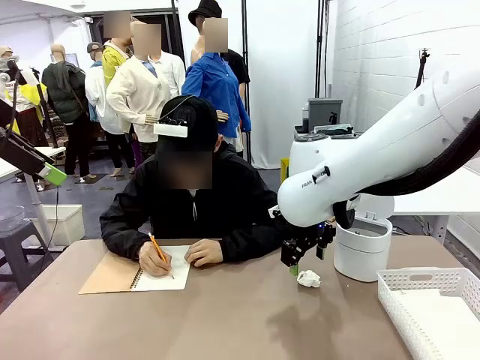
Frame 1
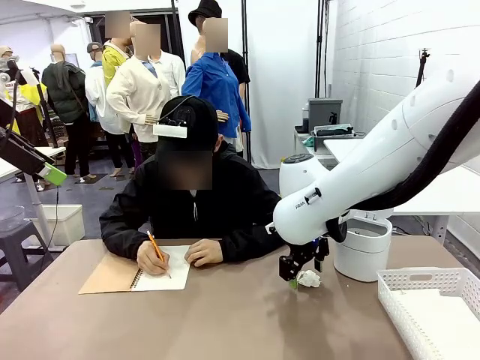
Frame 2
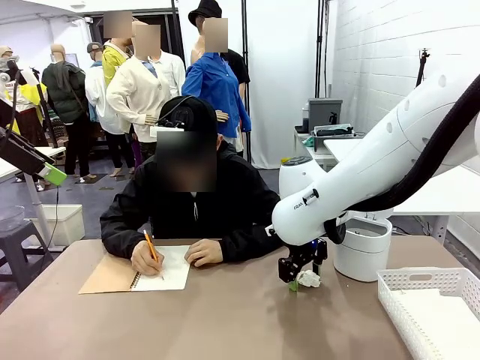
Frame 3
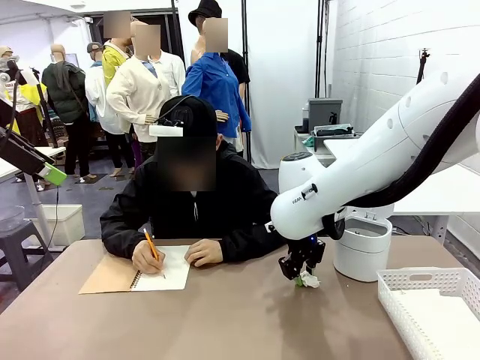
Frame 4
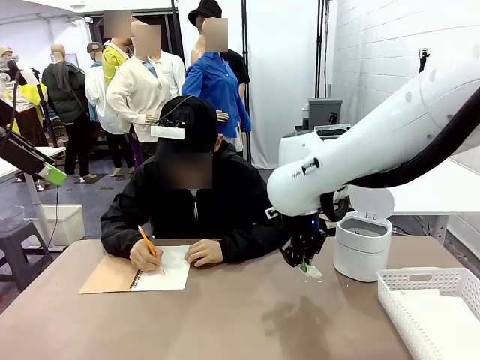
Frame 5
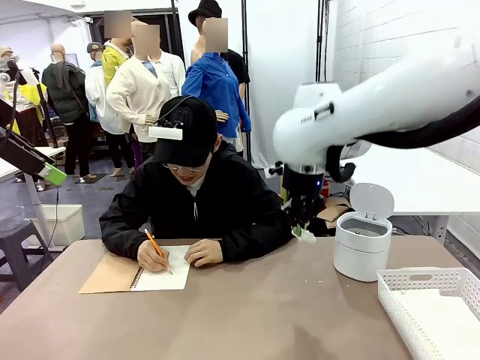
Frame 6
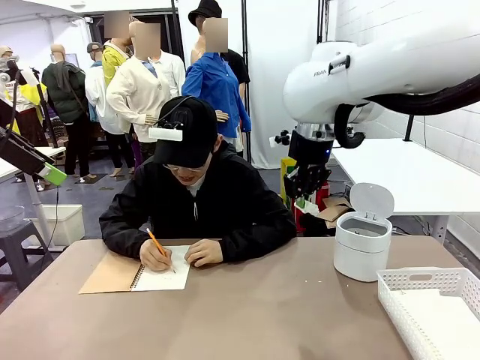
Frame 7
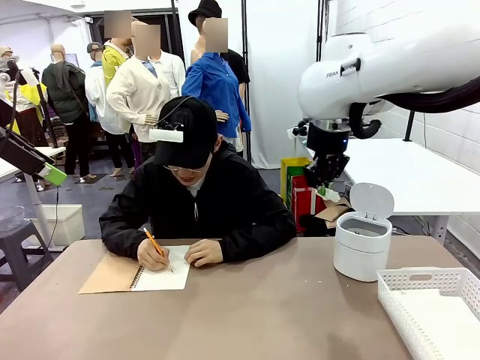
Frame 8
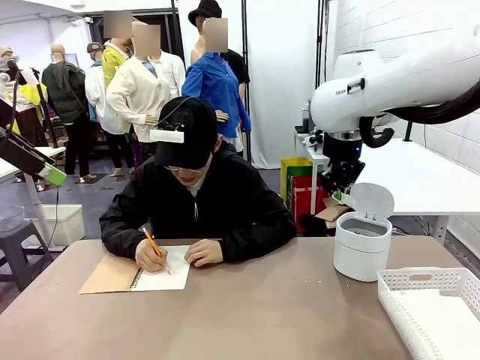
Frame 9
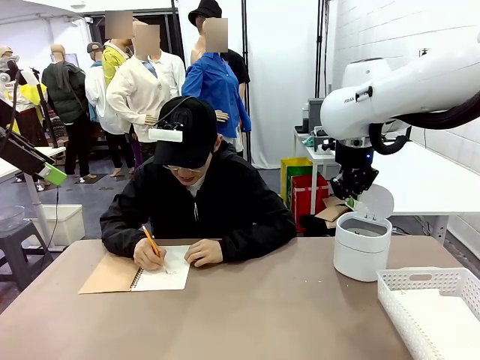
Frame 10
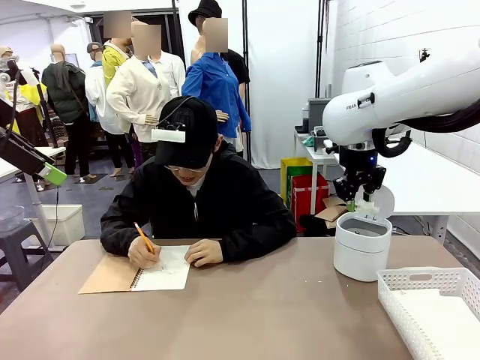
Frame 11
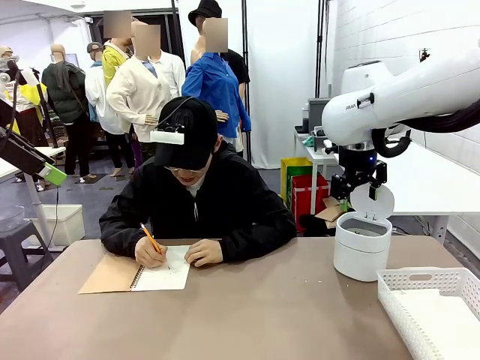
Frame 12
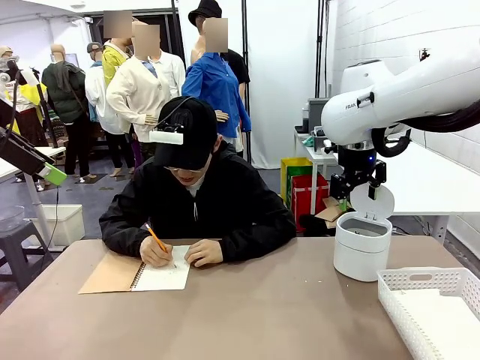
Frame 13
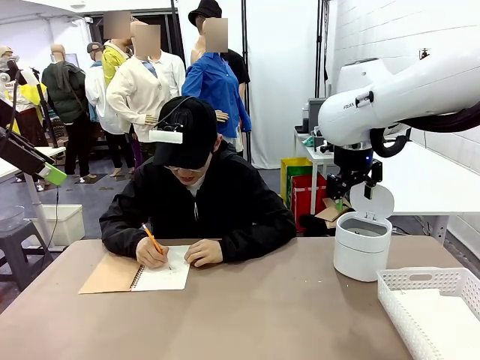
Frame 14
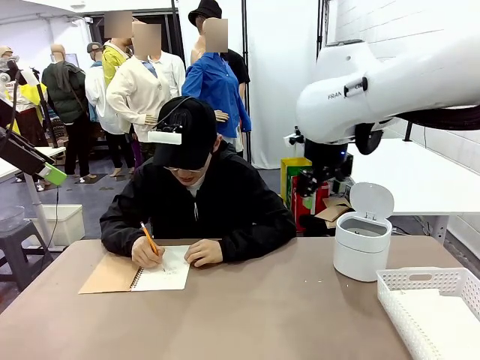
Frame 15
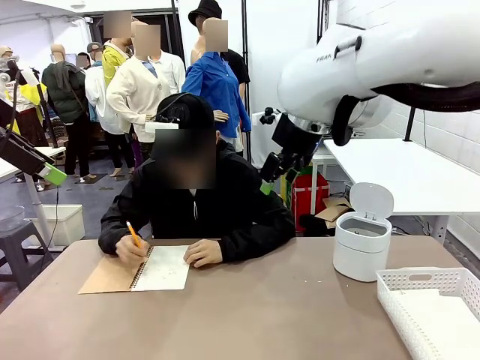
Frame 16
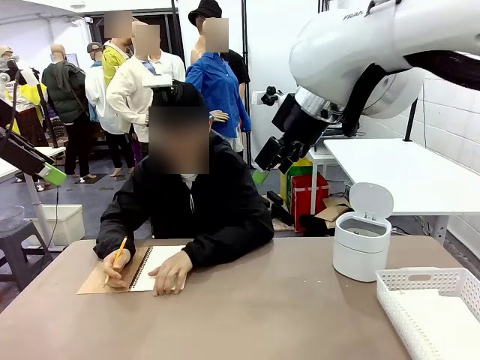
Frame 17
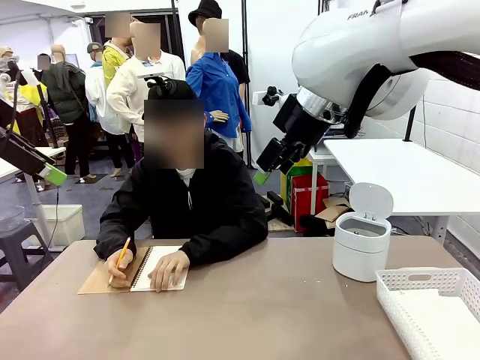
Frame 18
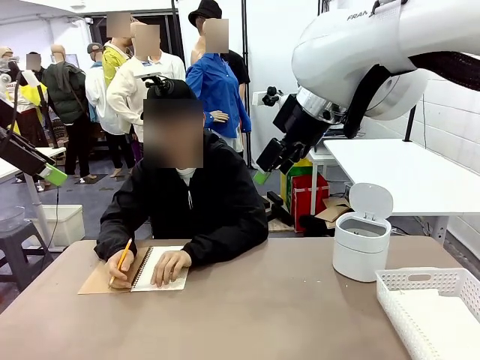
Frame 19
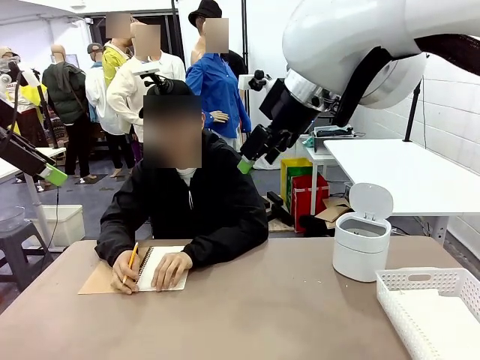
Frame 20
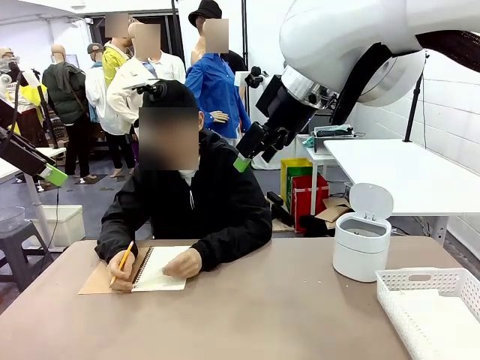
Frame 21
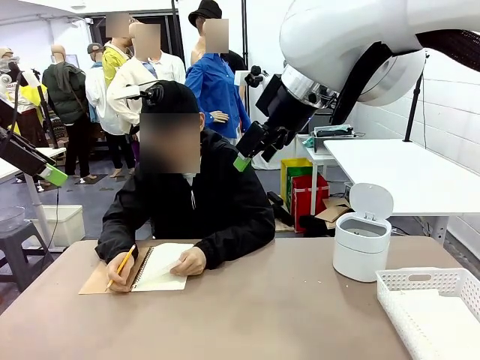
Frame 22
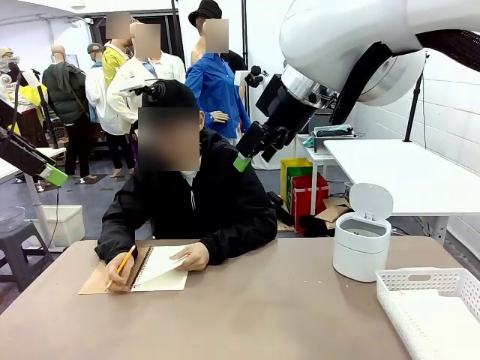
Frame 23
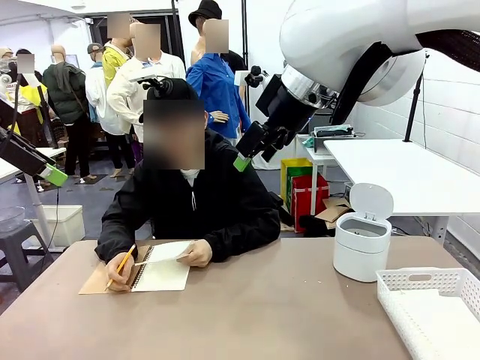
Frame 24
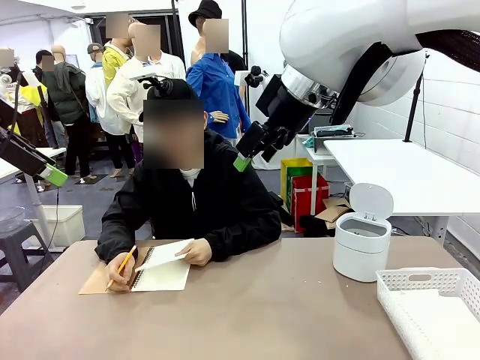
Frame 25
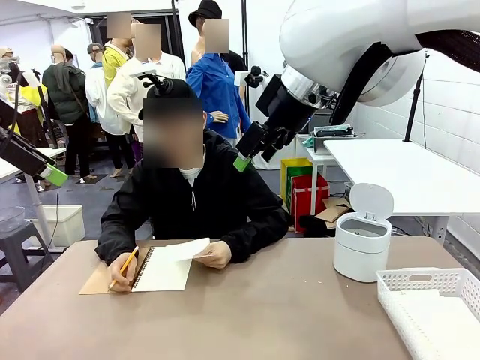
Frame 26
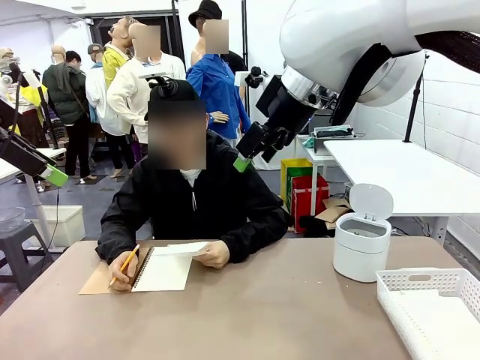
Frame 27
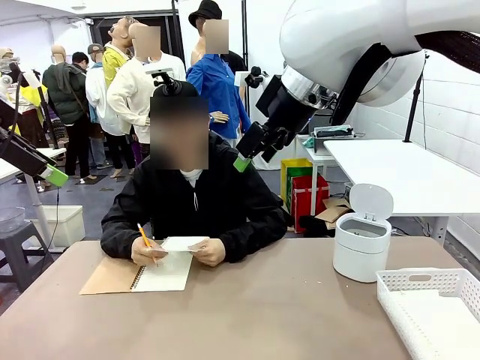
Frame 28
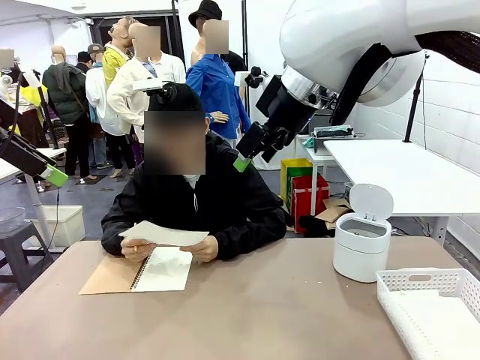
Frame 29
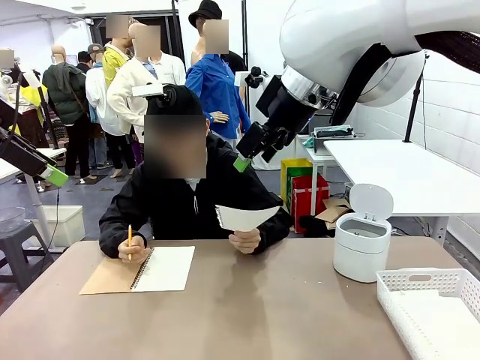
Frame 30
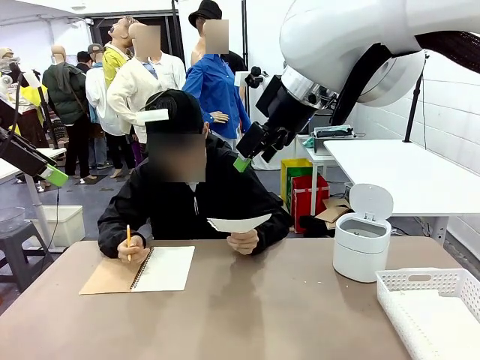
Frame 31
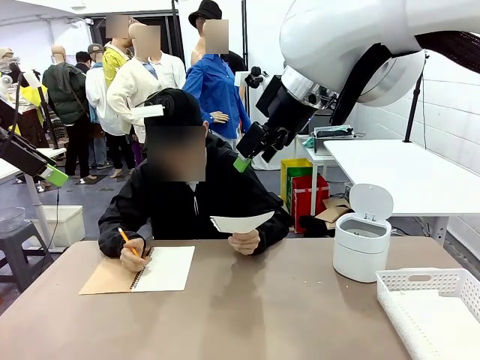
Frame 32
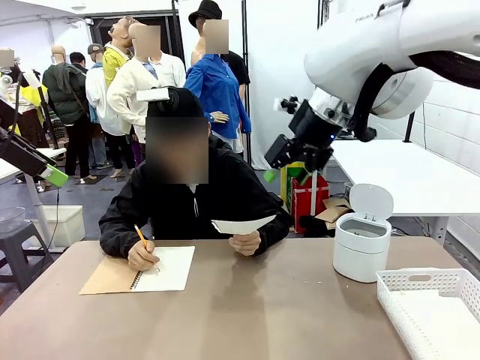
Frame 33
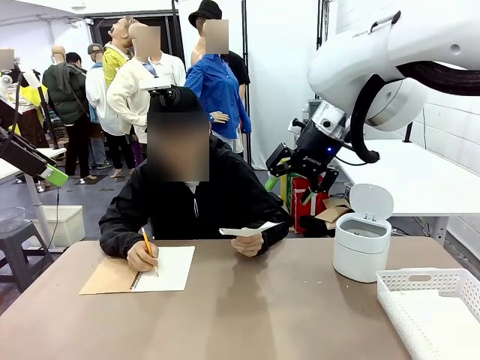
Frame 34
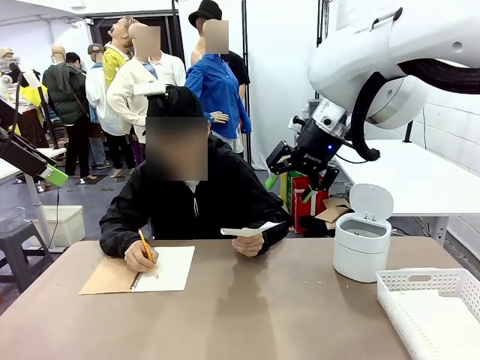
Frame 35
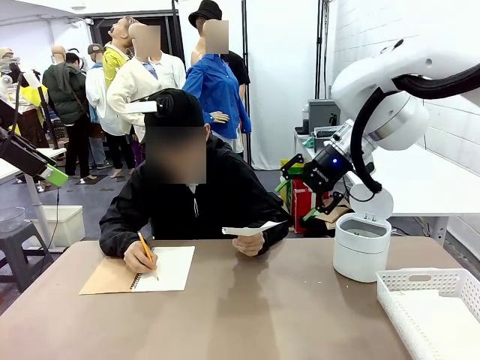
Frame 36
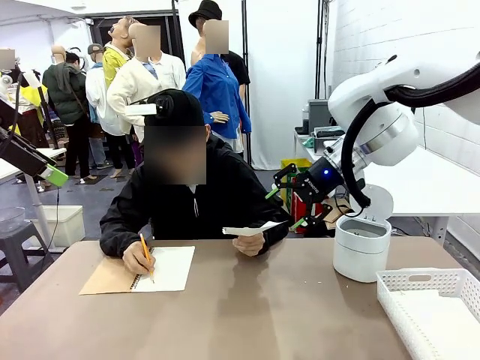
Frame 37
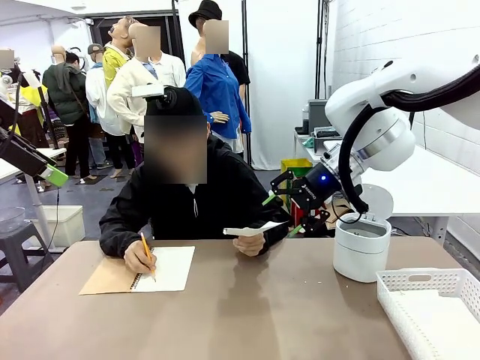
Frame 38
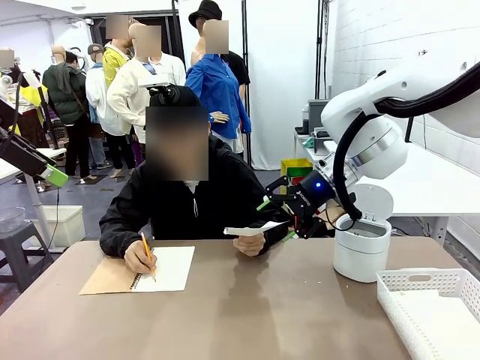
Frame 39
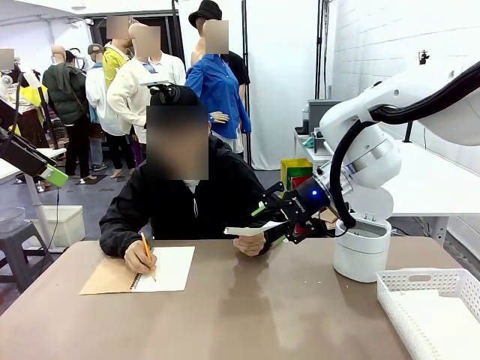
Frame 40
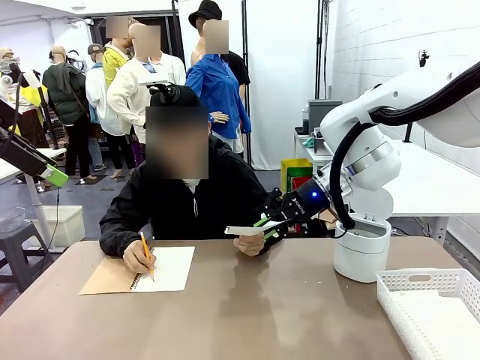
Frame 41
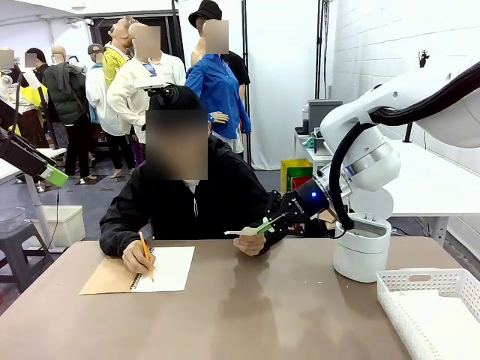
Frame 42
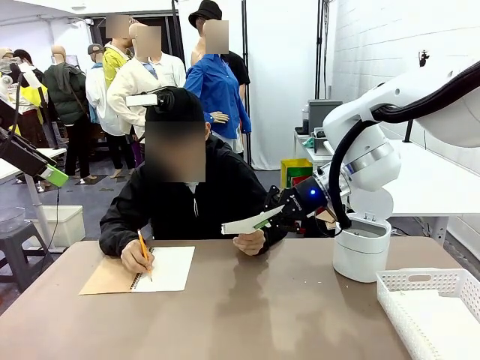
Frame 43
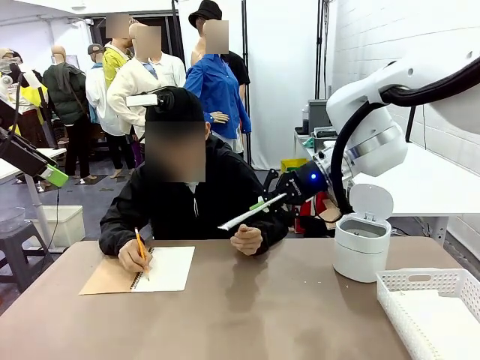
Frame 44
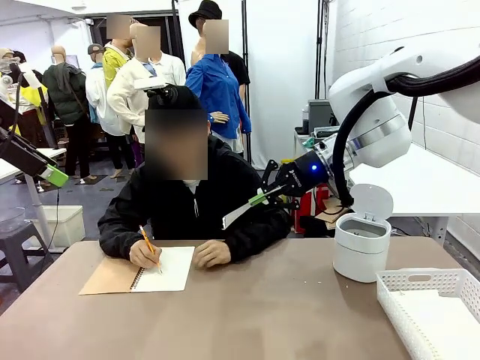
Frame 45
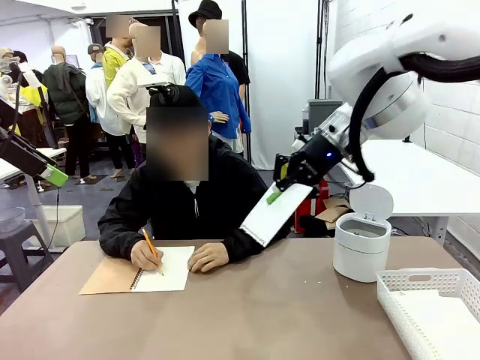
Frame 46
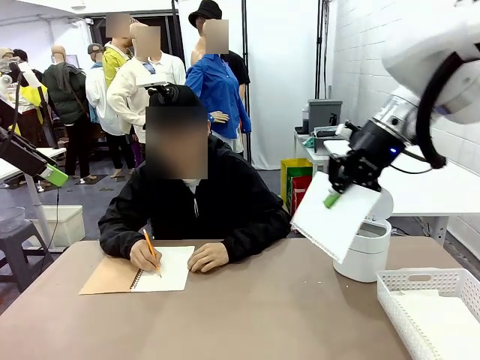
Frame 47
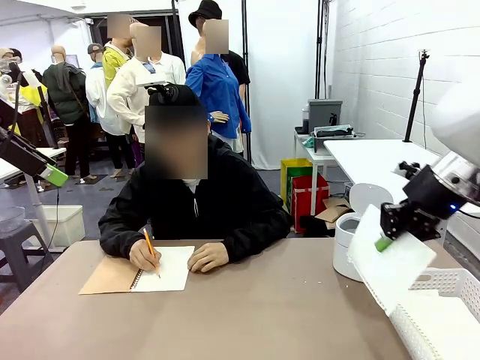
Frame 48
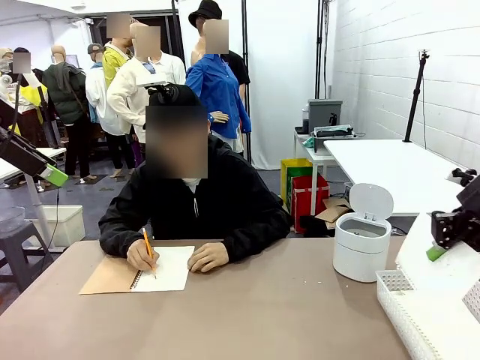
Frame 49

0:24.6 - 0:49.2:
Task: Sort the paper based on its condition.
Robot: If a person hands you a paper, place it in the Organizing basket , and if it's crumpled, put it in the Trash can.
Person: Tear out a page from the spiral notebook. Hand the torn page to the robot or crumple it and throw it to the center of the table. Tear out a page from the spiral notebook.
